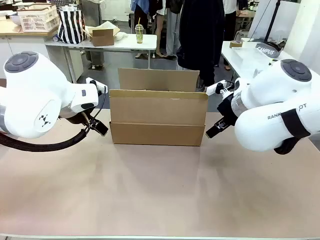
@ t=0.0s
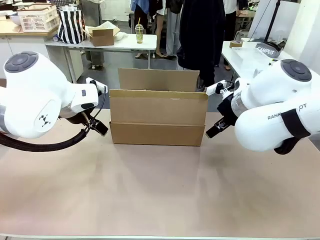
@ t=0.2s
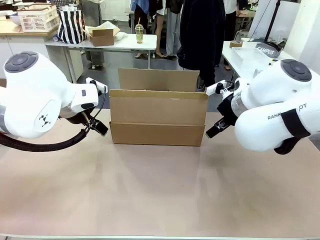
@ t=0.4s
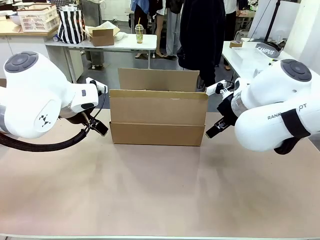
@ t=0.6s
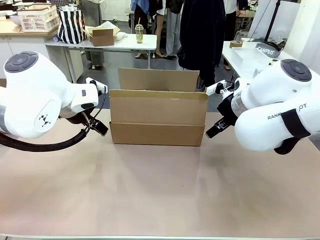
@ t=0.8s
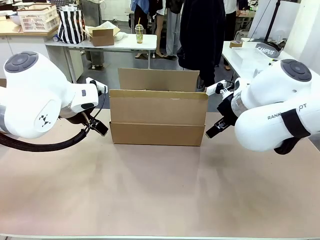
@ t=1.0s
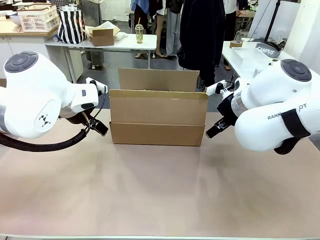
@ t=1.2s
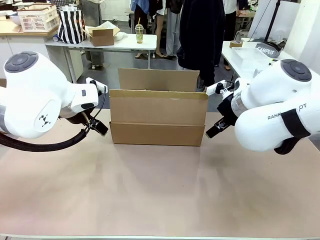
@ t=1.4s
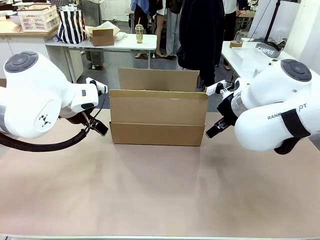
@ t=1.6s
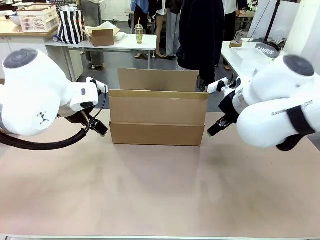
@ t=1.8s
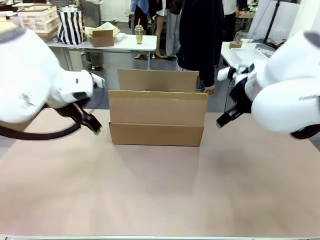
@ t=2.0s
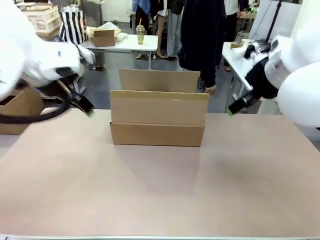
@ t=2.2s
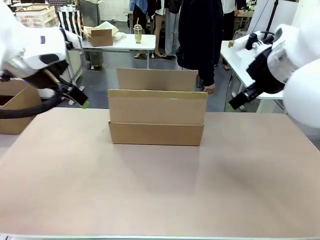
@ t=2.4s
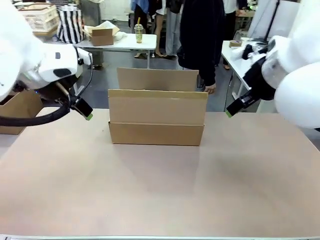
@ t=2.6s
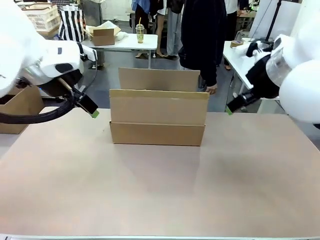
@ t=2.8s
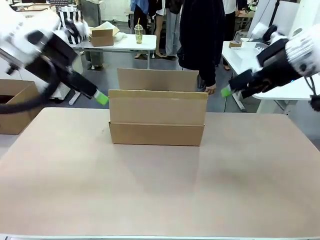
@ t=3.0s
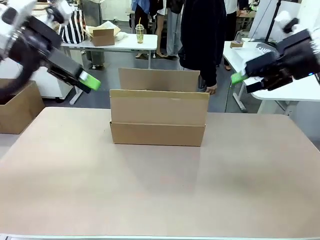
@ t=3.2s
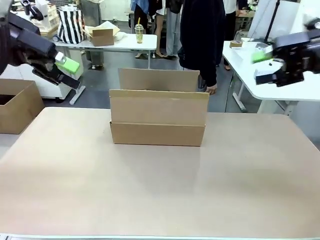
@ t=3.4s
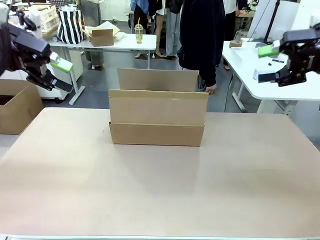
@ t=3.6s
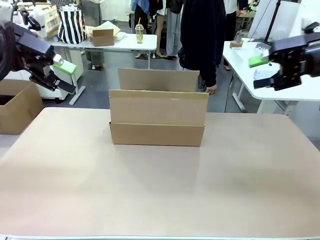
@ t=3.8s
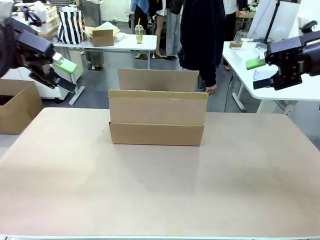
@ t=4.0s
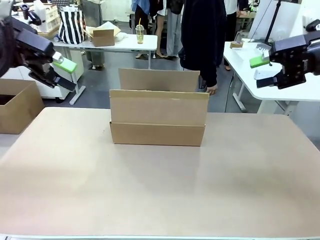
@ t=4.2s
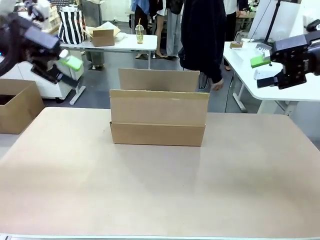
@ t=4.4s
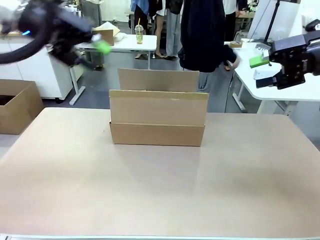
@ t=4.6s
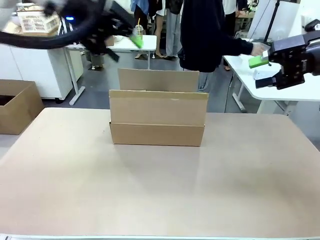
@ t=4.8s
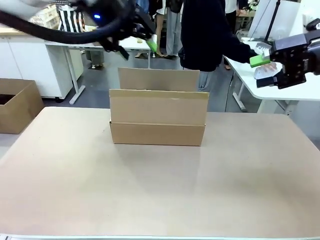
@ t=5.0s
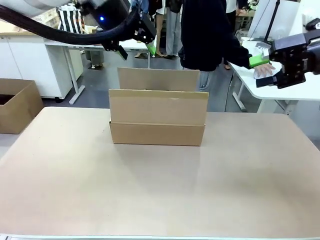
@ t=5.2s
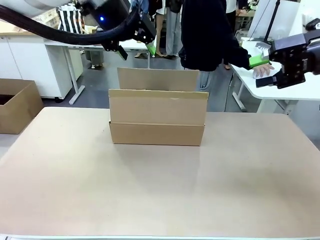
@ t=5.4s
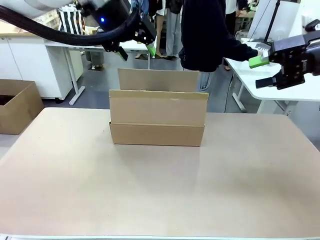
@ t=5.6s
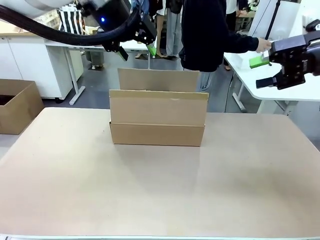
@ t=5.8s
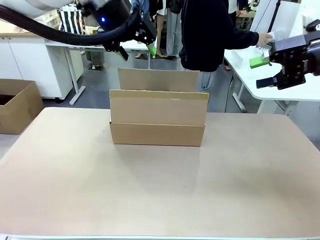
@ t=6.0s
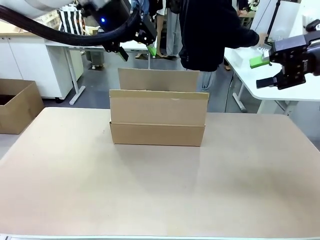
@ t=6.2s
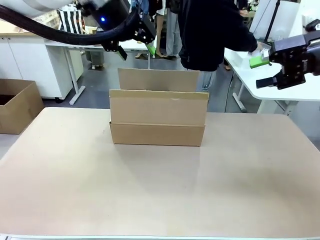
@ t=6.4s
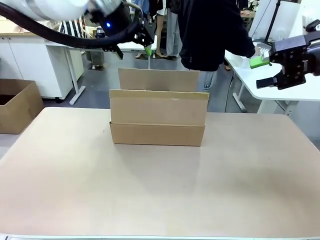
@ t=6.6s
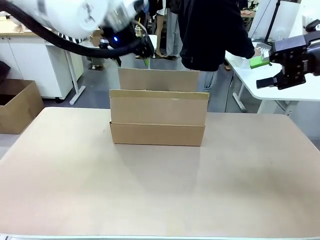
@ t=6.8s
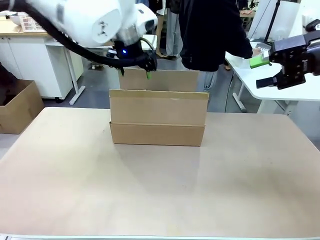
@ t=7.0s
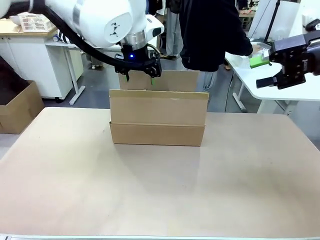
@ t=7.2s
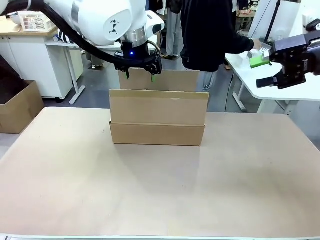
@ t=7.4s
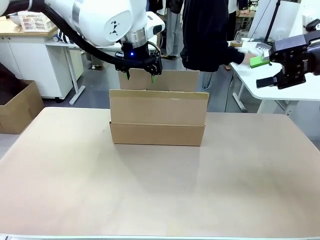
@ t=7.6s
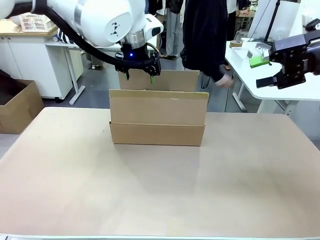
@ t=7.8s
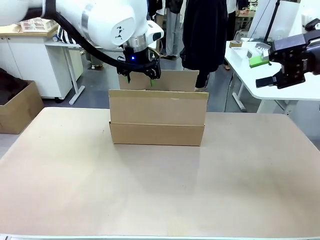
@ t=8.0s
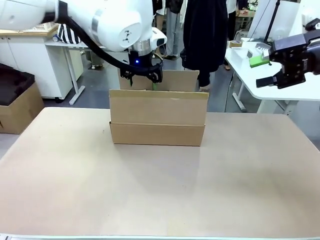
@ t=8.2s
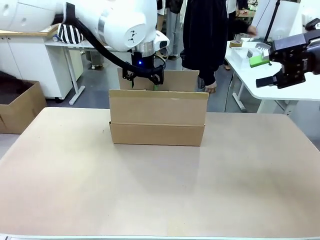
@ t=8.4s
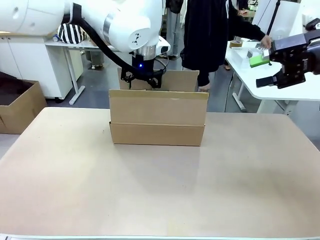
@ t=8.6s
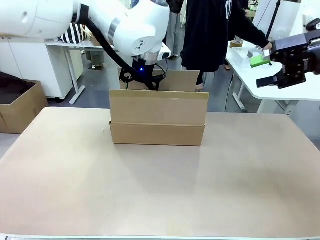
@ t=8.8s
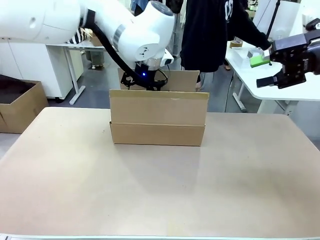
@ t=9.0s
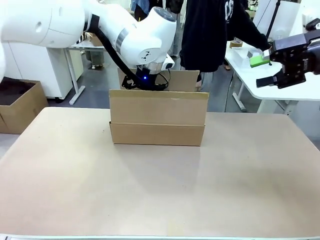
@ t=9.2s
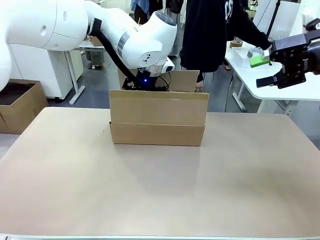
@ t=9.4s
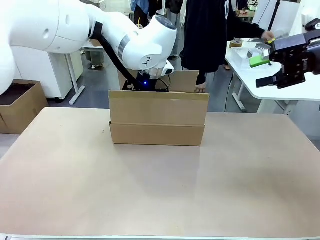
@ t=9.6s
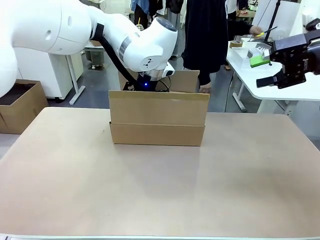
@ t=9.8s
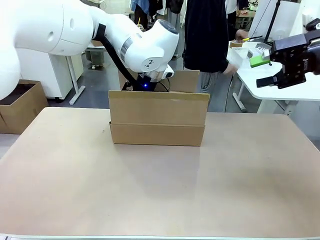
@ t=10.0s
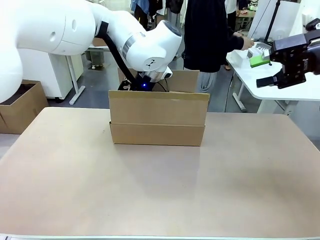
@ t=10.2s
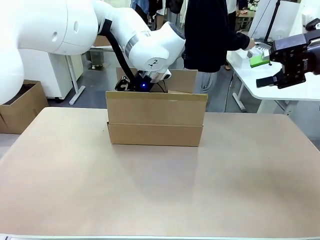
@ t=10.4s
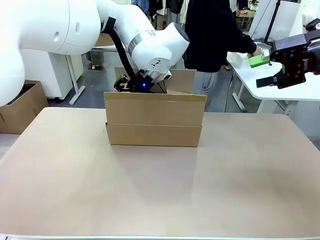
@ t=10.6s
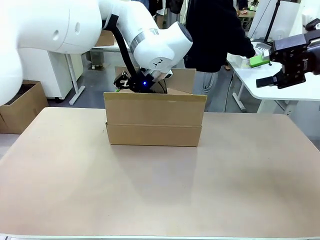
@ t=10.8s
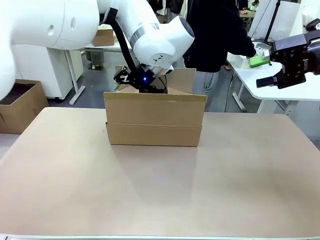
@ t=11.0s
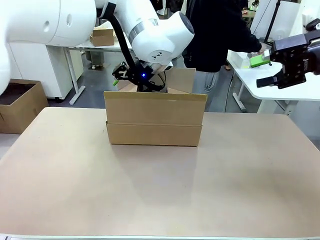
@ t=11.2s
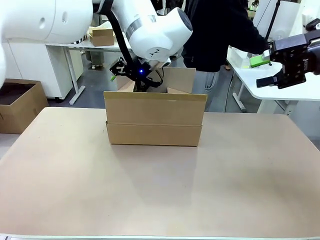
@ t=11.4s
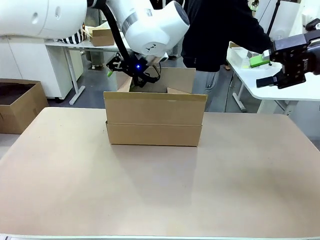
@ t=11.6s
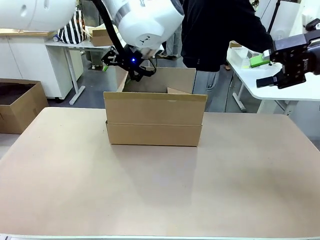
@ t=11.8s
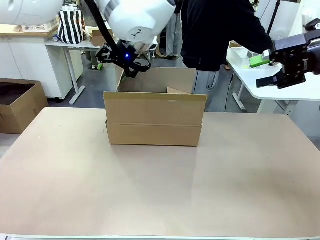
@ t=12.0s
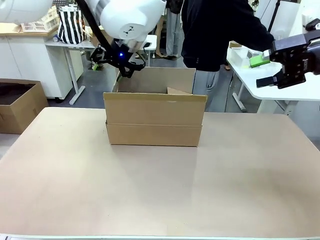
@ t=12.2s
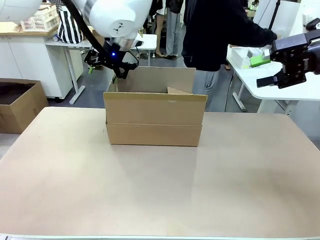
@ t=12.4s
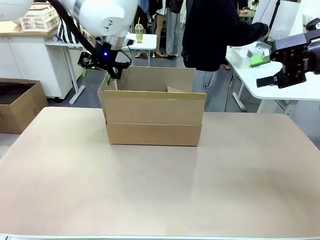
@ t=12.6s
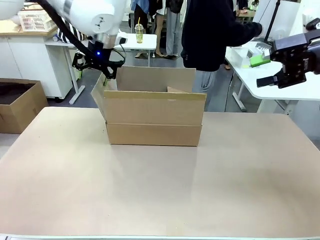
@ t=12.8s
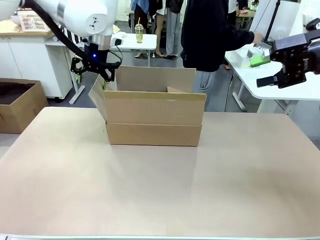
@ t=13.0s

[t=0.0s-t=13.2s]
Task: Pack the gift set into the box.
Robot: Place both hands on the side flaps of the Package Box and spread them outward.
Person: The human places all items except the paper tape into the organizing basket.
